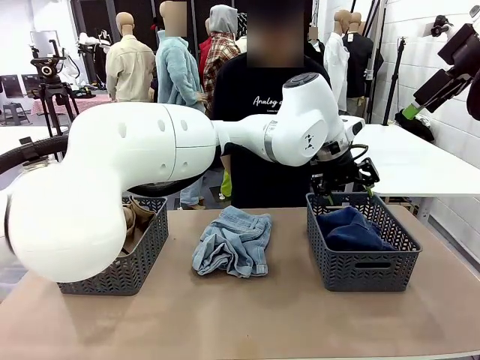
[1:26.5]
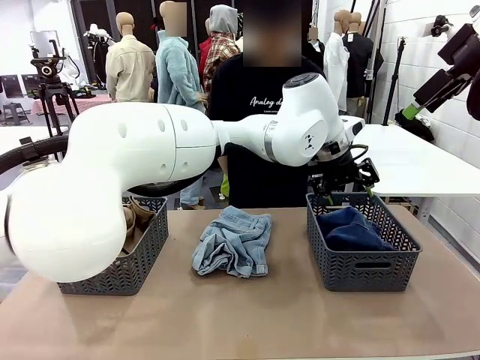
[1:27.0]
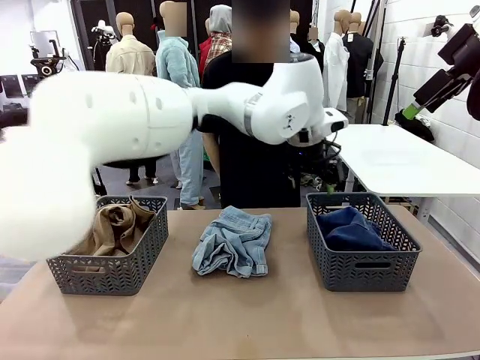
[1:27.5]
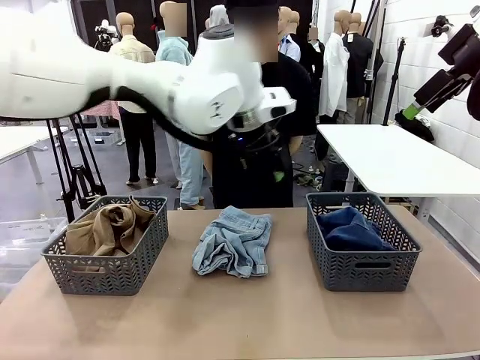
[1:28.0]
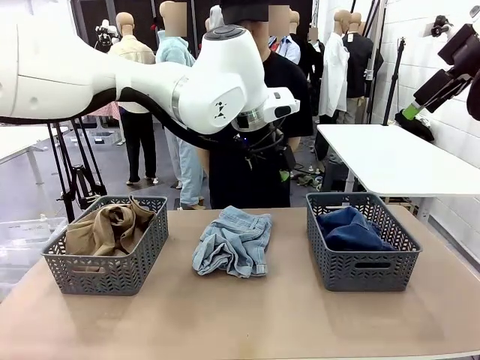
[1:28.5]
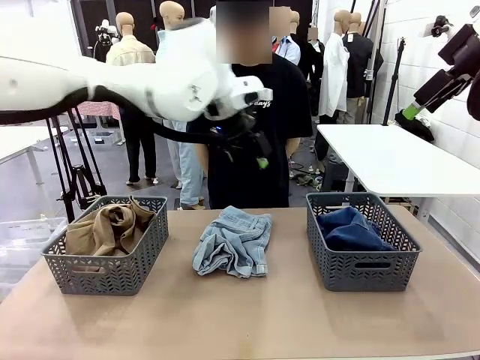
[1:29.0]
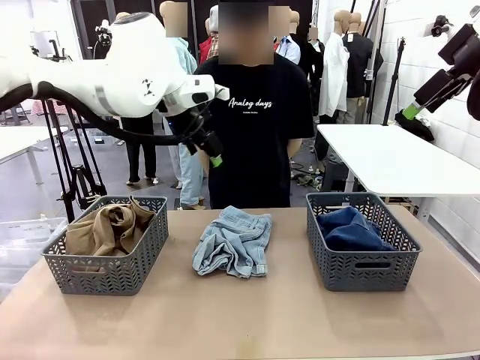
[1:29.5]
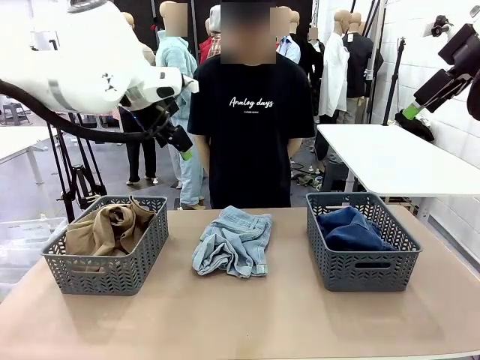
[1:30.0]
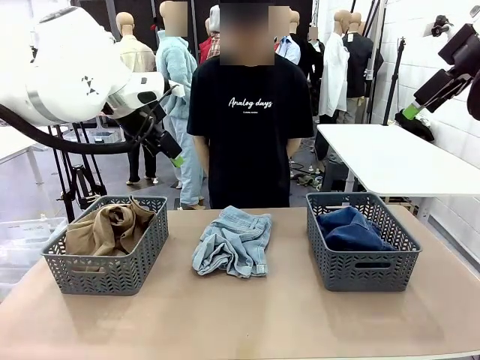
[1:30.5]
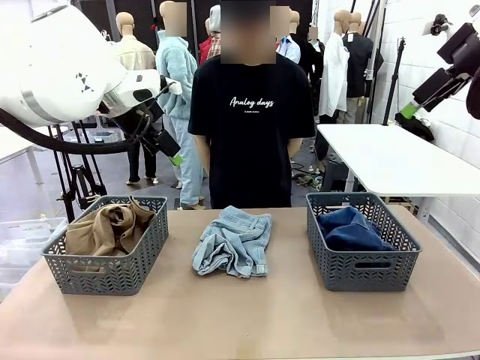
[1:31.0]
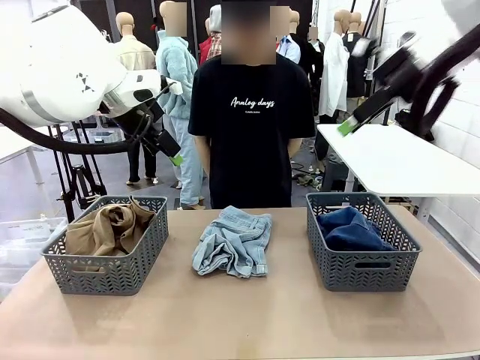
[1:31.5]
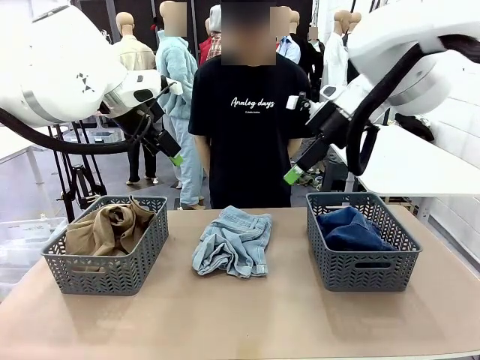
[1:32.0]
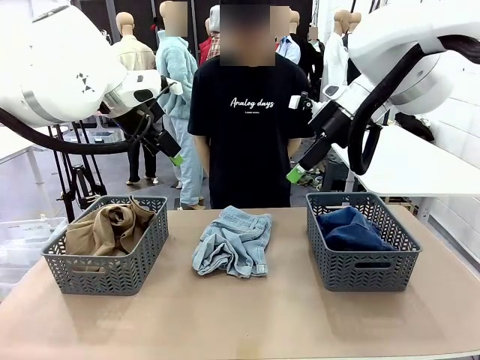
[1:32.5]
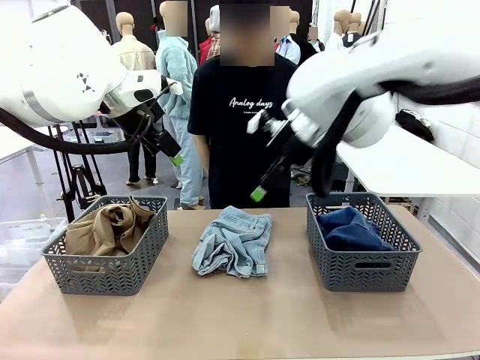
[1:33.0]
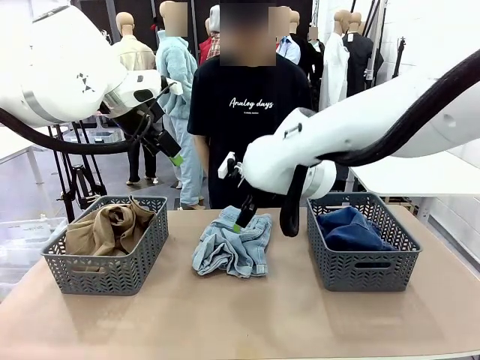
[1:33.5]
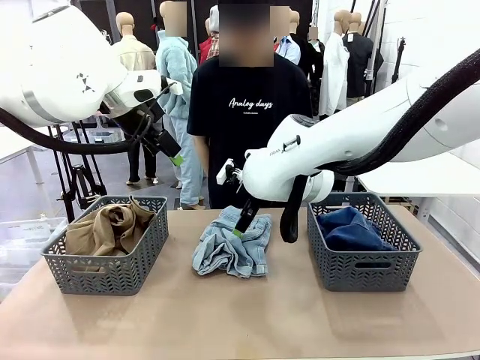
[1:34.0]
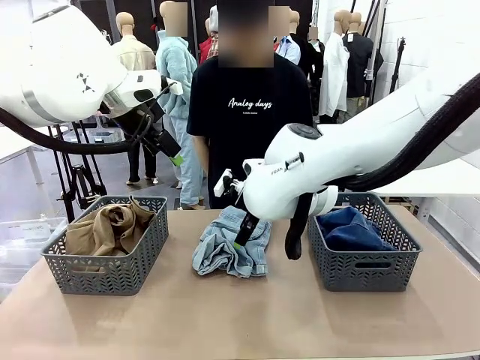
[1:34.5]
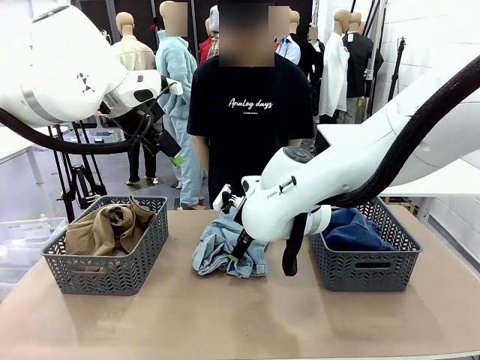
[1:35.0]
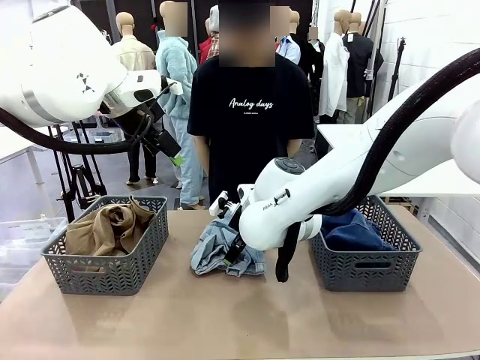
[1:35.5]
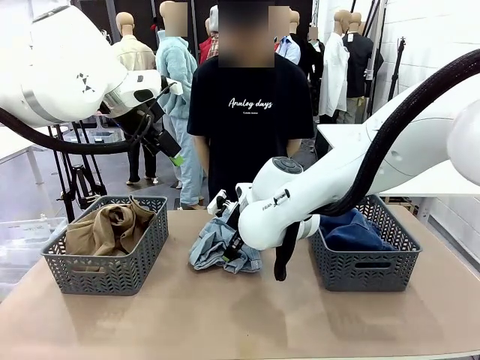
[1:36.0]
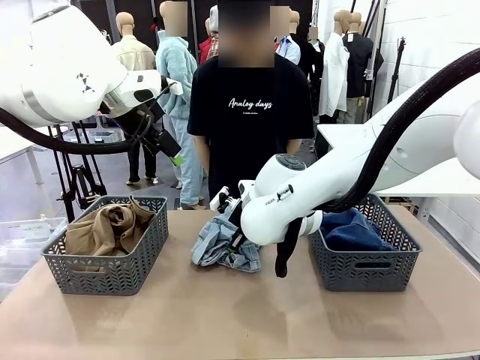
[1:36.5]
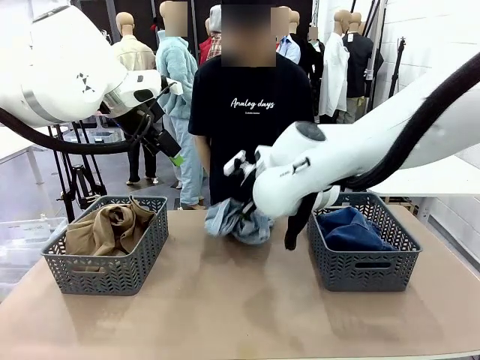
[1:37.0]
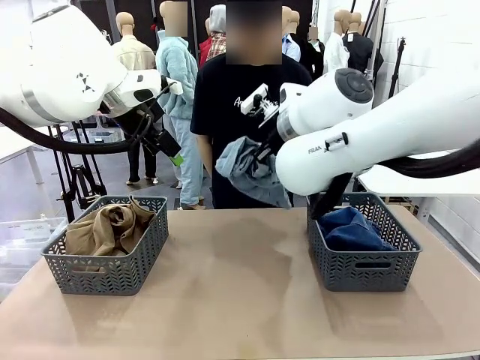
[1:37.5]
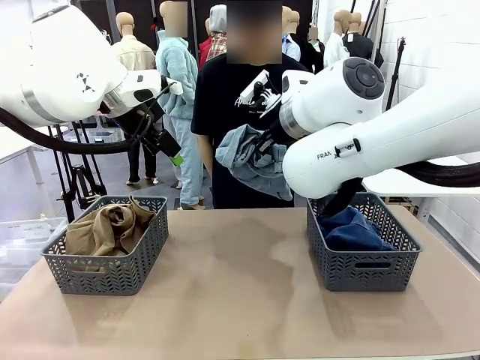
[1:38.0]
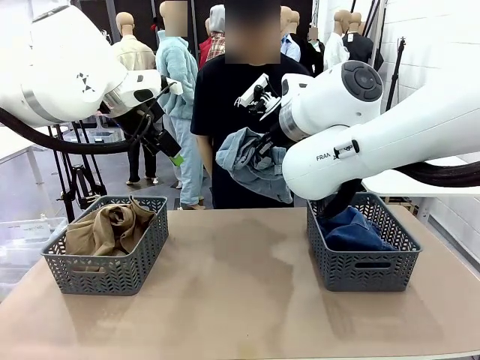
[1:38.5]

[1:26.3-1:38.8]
Task: Sort the tops and bottoms.
Robot: Lift clothes from the center of the table with your right hand.

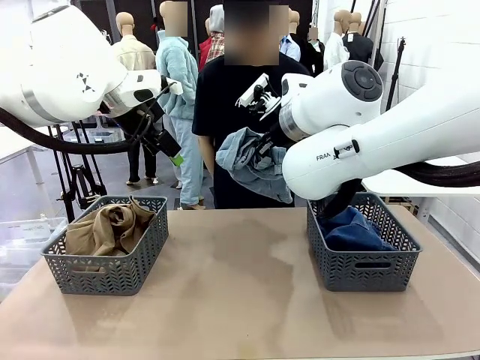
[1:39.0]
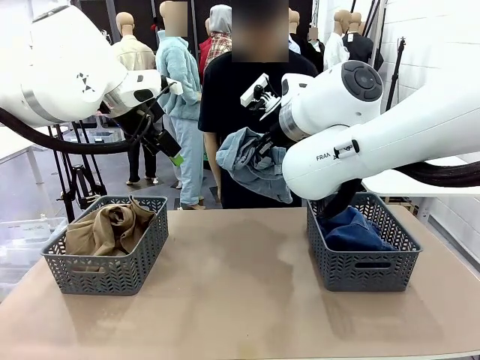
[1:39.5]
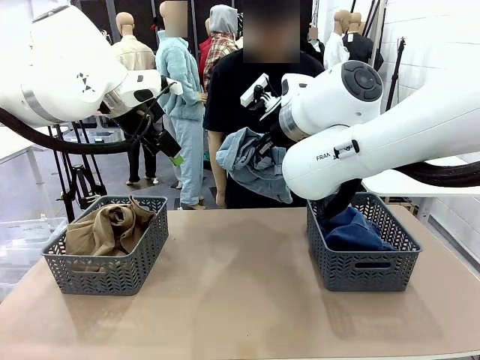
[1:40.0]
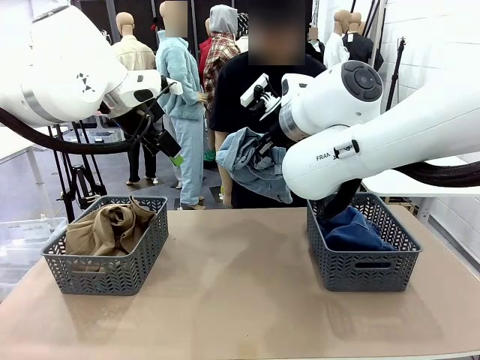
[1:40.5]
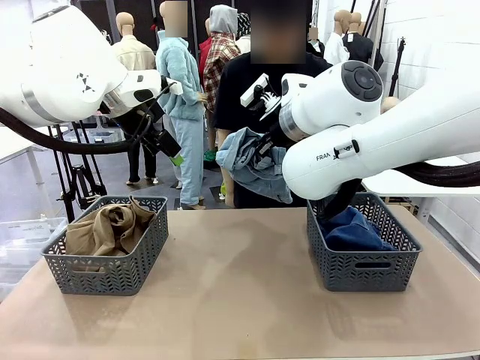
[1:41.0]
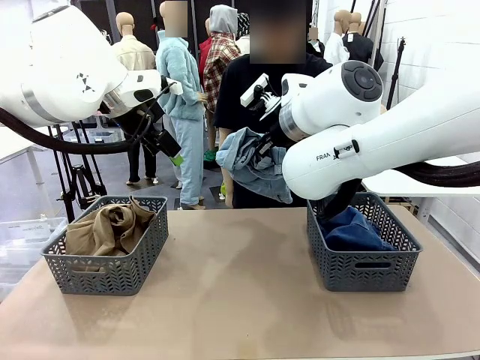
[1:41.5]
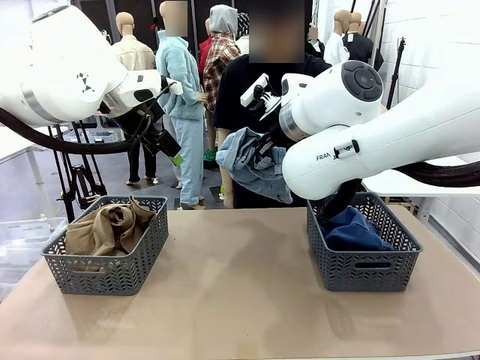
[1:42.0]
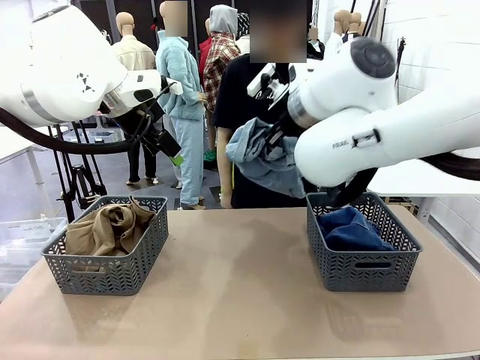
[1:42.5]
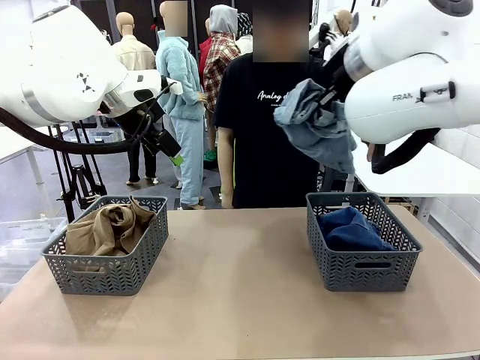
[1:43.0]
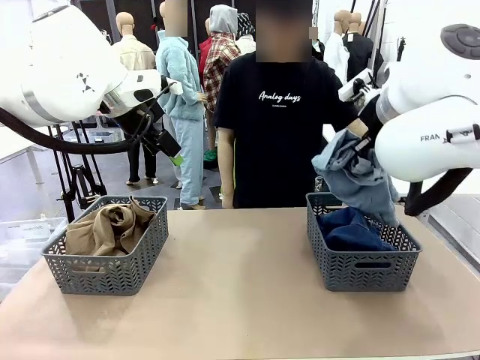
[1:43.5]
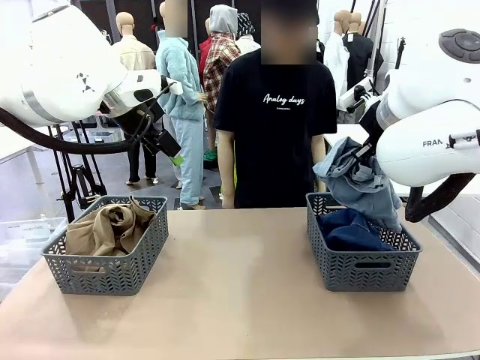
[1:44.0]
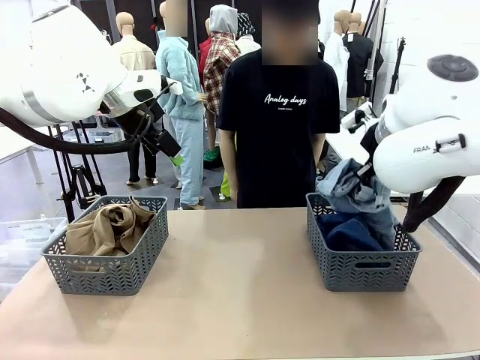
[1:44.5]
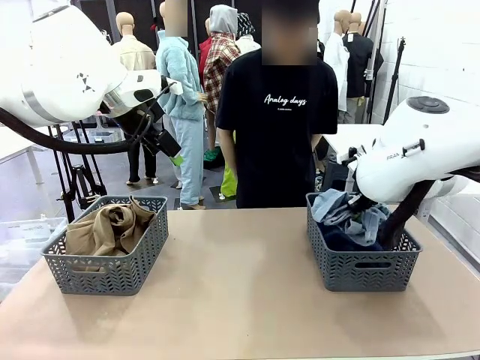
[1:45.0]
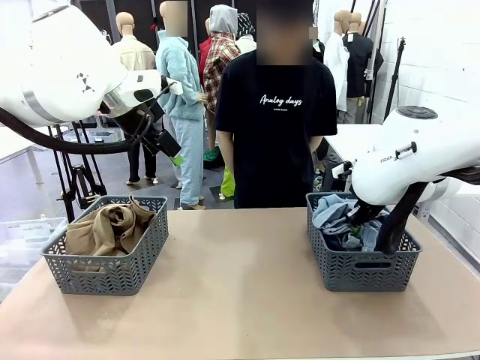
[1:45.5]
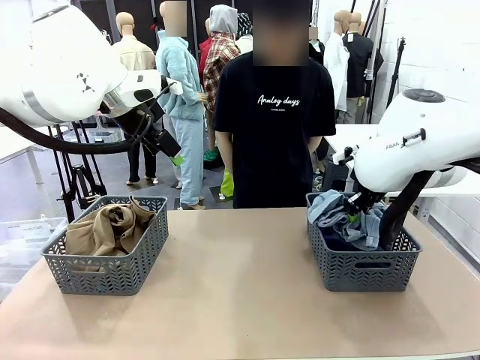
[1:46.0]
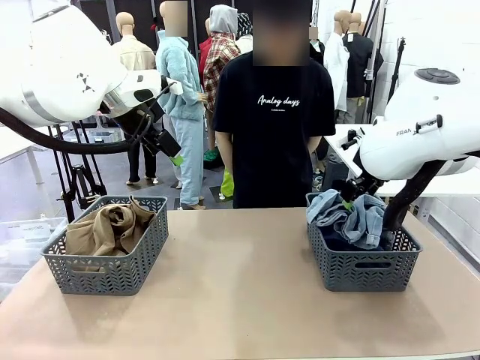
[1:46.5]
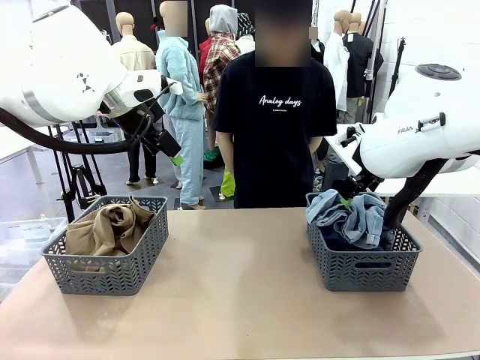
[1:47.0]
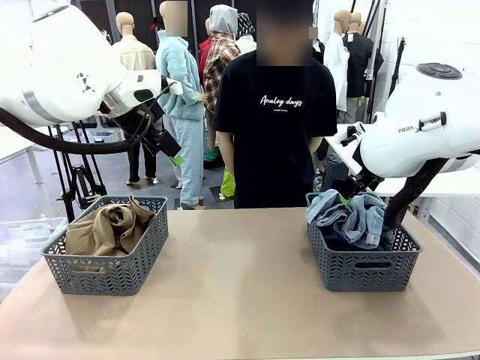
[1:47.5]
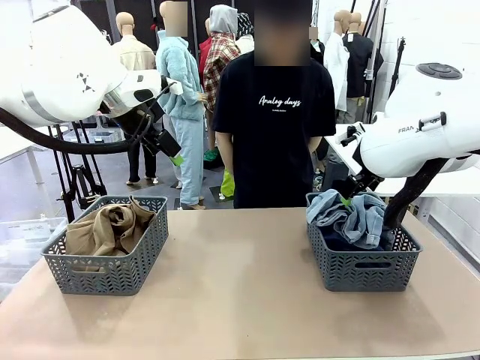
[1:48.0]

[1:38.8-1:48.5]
Robot: Sort the clothes according to human instructions.

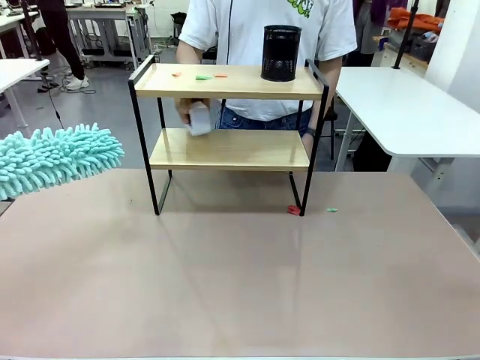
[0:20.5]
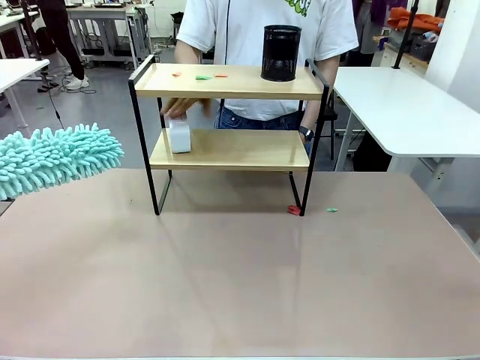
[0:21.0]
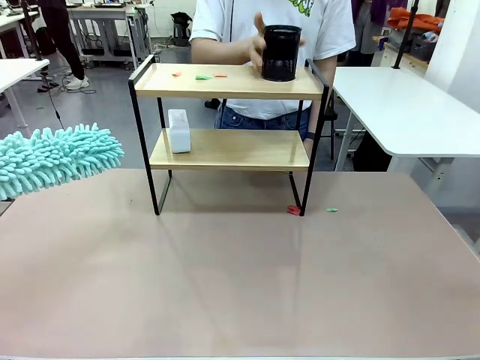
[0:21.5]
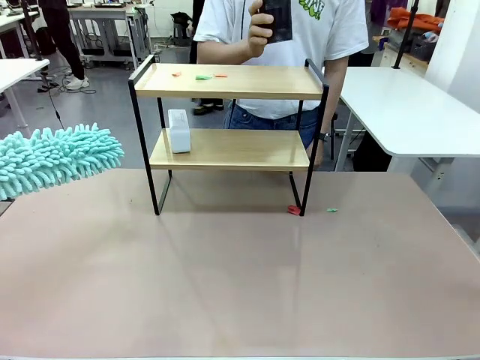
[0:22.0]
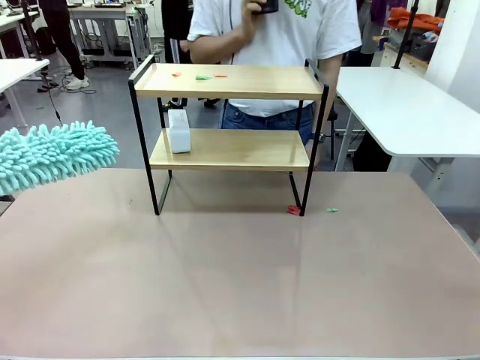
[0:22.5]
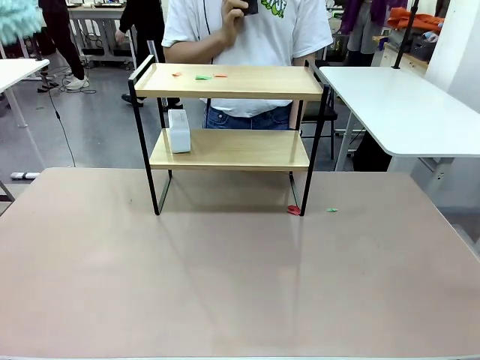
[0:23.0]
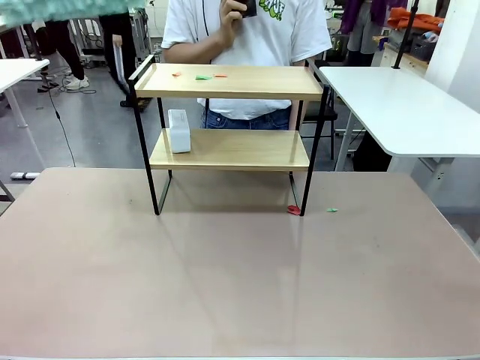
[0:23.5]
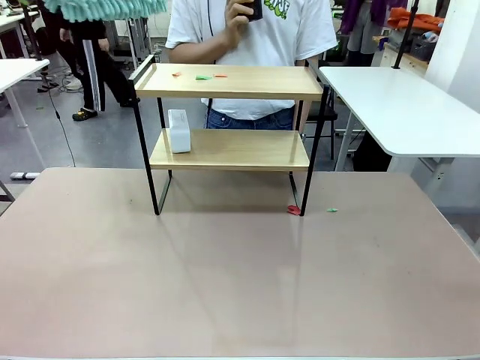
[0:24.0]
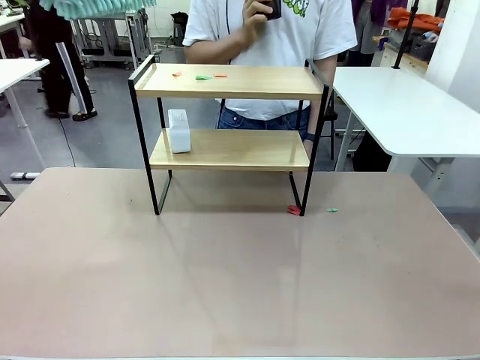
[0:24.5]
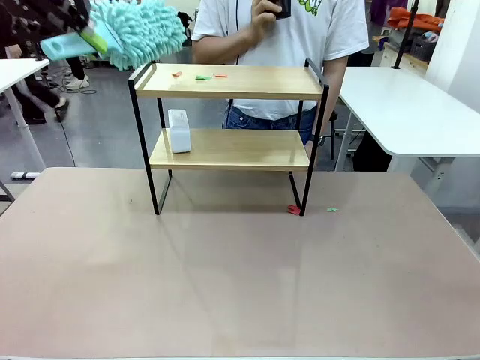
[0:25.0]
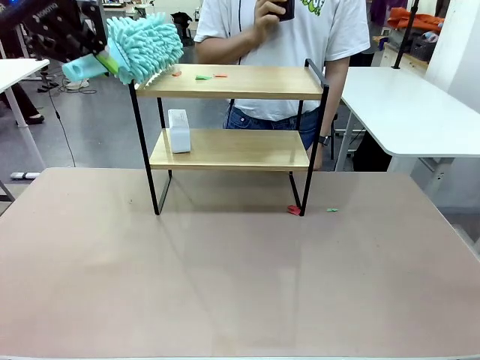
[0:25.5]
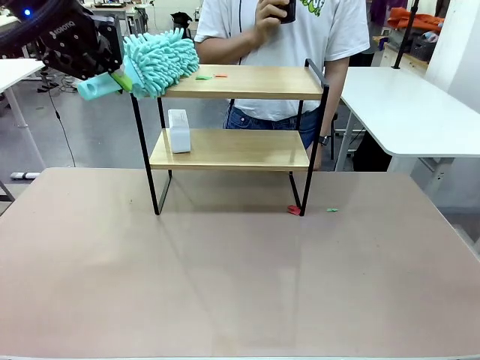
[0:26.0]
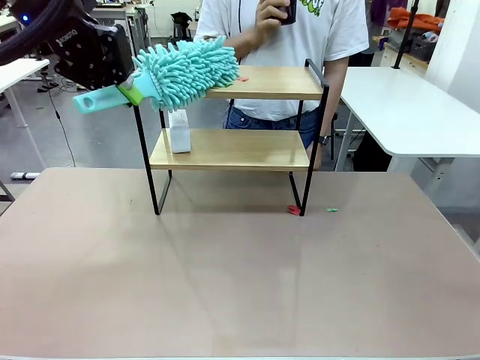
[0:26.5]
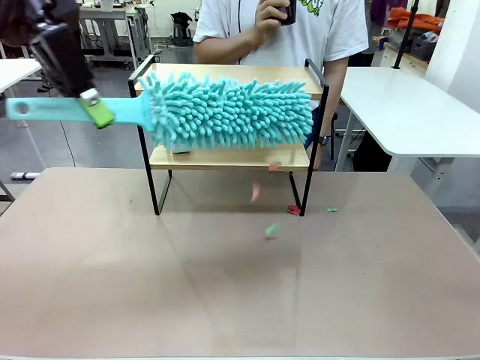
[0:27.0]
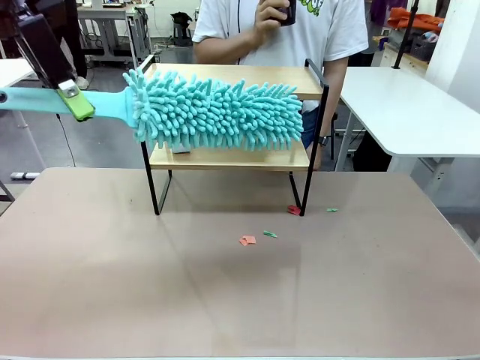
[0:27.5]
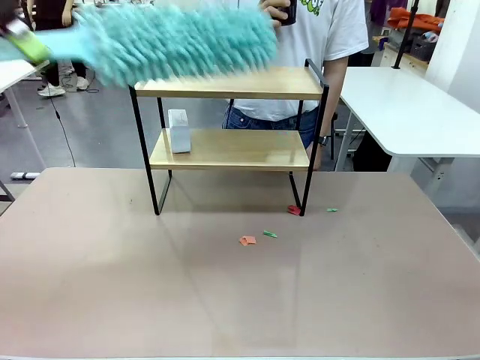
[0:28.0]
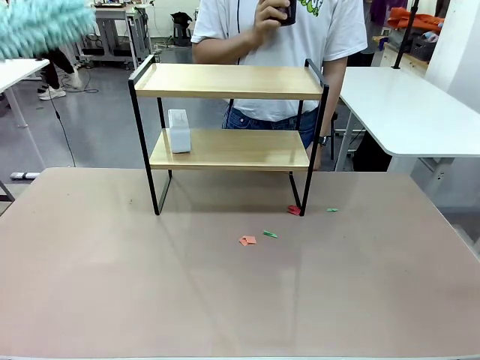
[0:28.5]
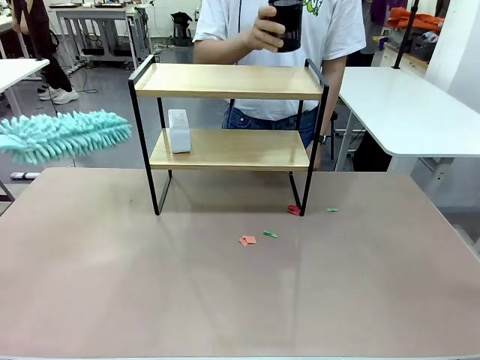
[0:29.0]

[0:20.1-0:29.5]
Task: Clean the shelf.
Robot: Clean the remaining tier of the Shelf with the Duster once objects are removed.
